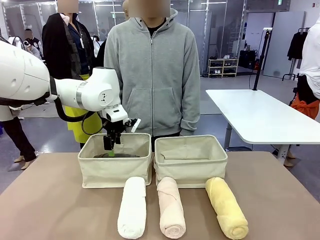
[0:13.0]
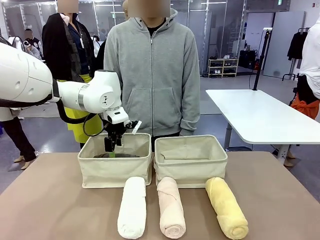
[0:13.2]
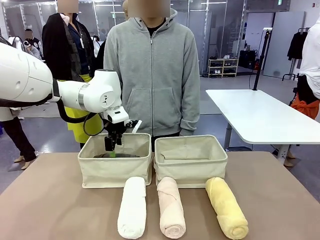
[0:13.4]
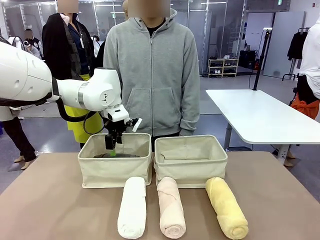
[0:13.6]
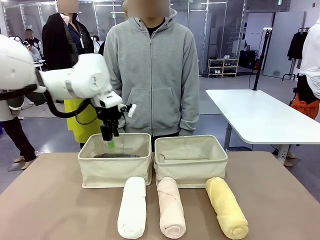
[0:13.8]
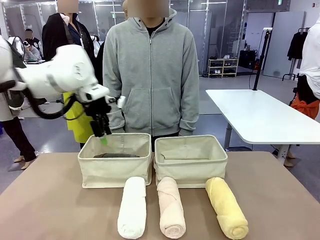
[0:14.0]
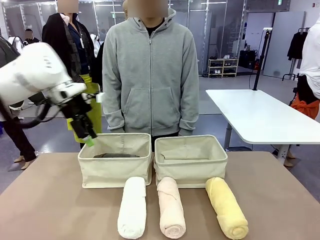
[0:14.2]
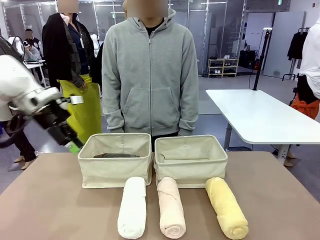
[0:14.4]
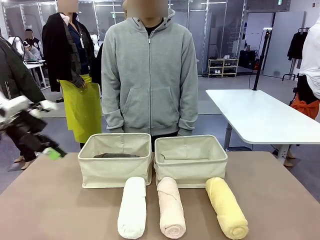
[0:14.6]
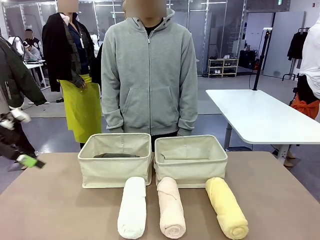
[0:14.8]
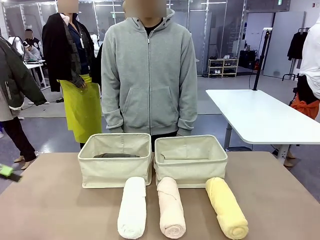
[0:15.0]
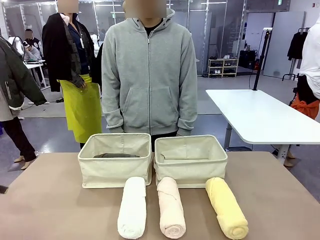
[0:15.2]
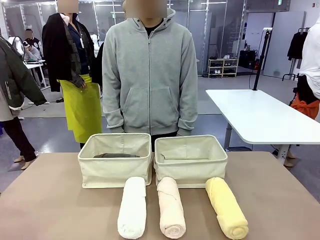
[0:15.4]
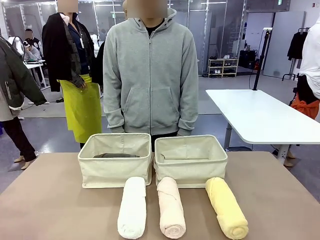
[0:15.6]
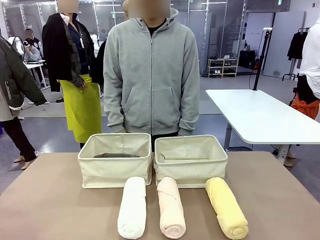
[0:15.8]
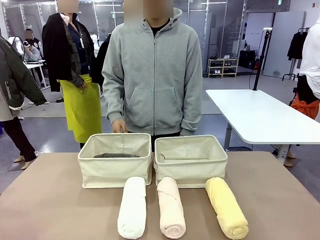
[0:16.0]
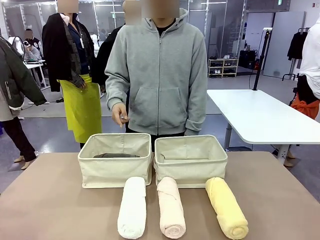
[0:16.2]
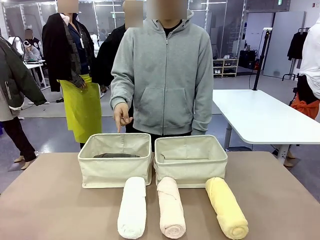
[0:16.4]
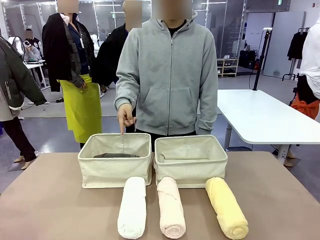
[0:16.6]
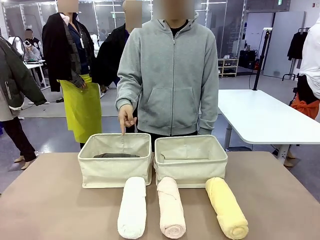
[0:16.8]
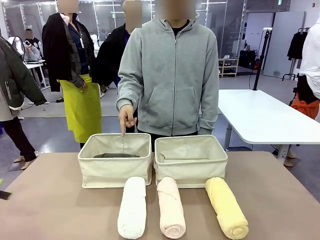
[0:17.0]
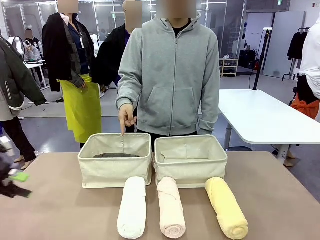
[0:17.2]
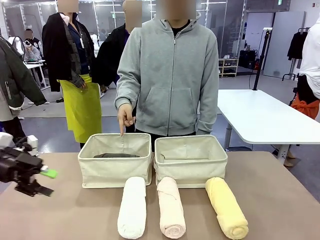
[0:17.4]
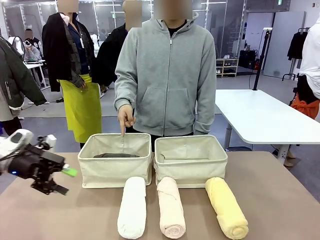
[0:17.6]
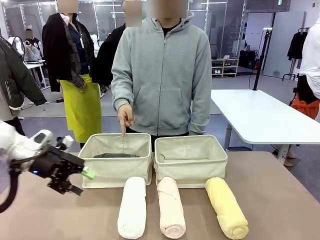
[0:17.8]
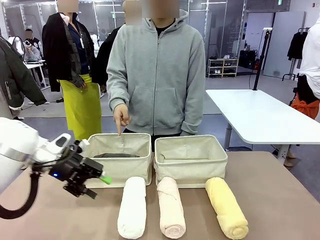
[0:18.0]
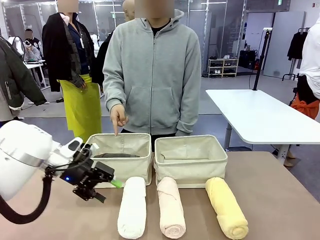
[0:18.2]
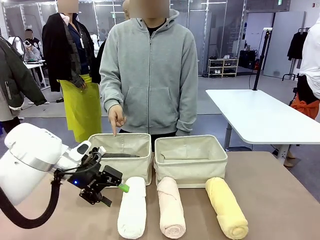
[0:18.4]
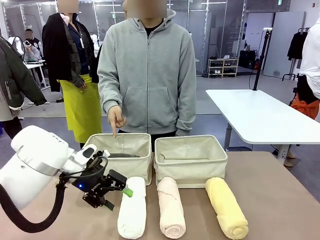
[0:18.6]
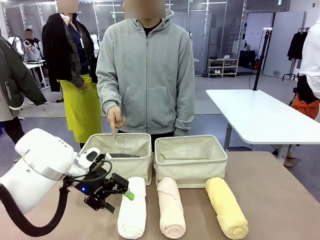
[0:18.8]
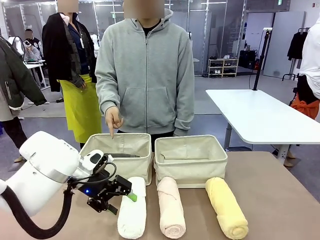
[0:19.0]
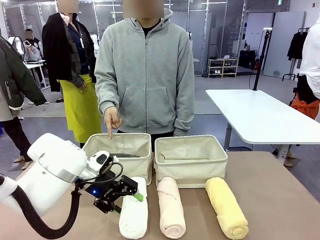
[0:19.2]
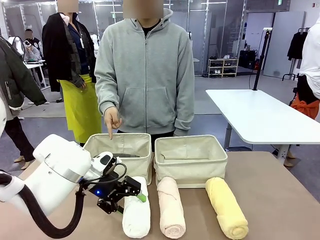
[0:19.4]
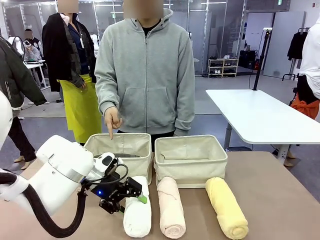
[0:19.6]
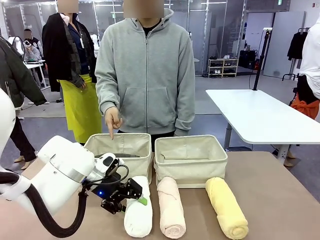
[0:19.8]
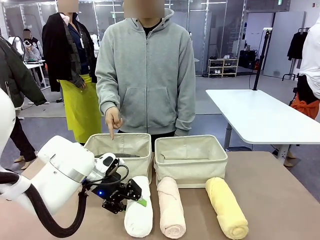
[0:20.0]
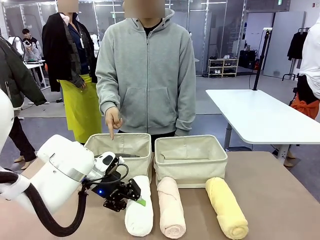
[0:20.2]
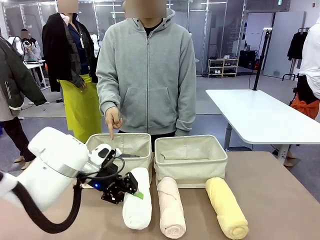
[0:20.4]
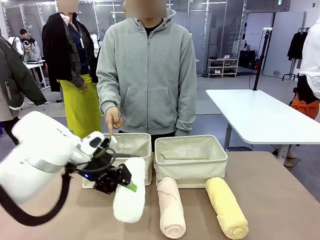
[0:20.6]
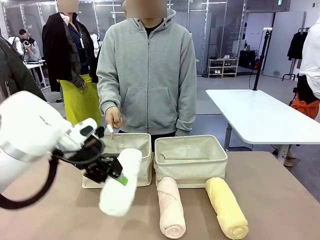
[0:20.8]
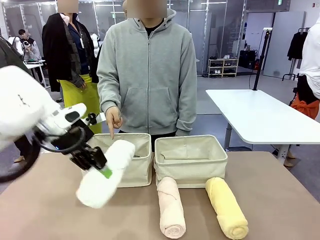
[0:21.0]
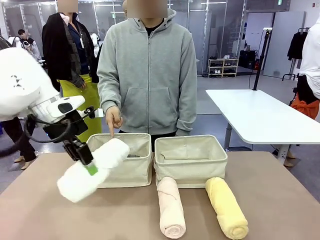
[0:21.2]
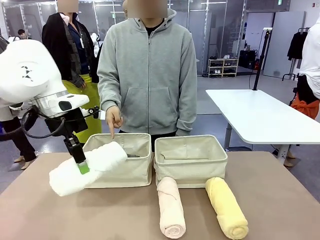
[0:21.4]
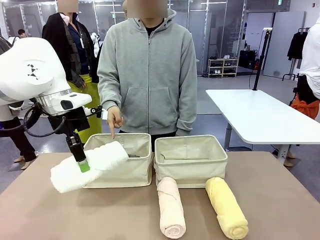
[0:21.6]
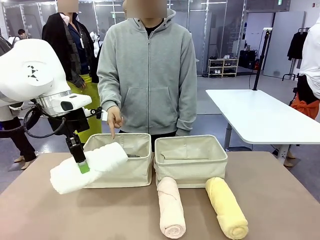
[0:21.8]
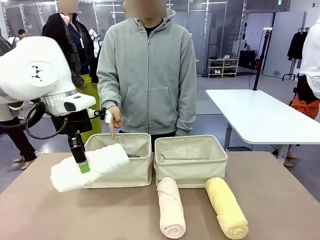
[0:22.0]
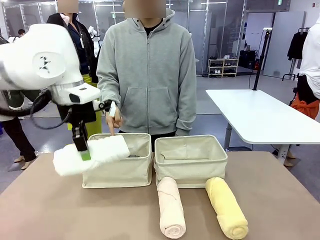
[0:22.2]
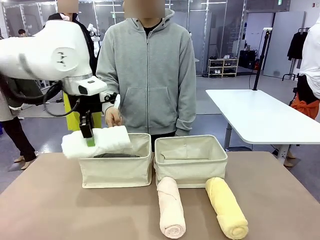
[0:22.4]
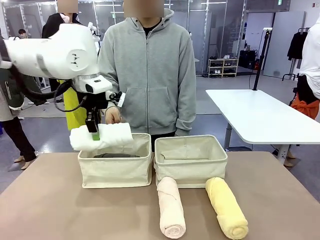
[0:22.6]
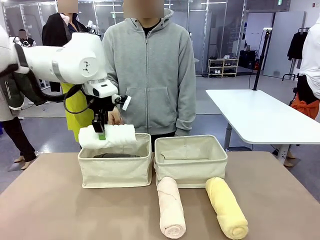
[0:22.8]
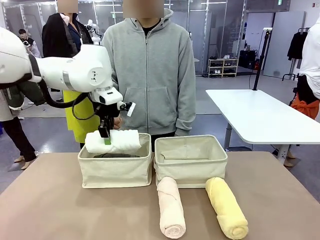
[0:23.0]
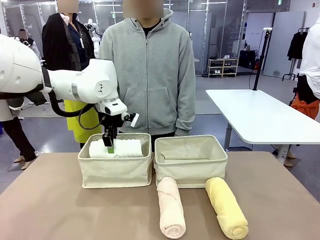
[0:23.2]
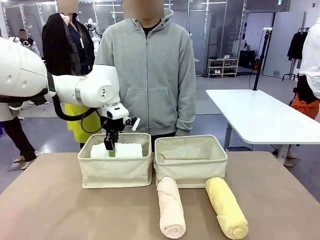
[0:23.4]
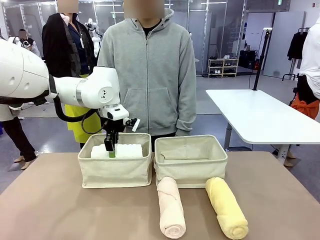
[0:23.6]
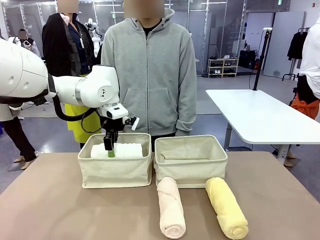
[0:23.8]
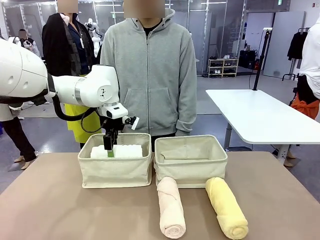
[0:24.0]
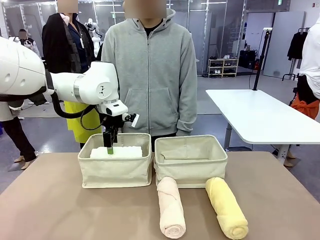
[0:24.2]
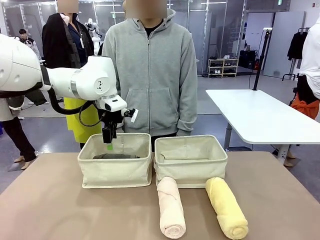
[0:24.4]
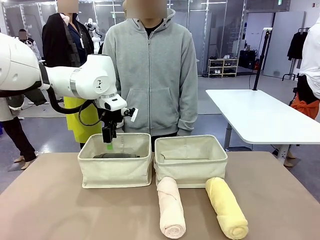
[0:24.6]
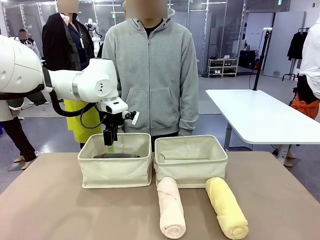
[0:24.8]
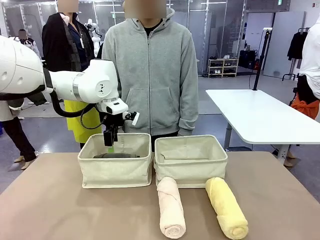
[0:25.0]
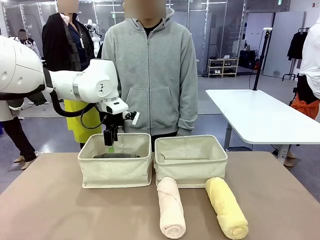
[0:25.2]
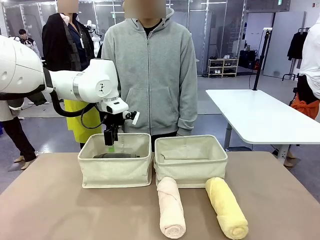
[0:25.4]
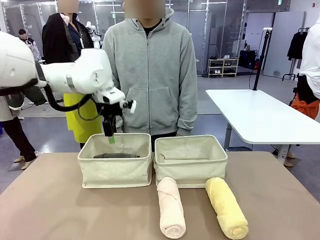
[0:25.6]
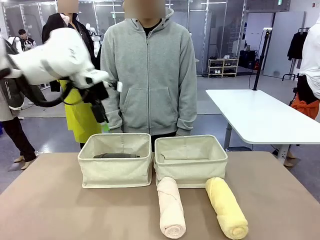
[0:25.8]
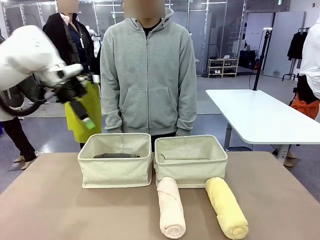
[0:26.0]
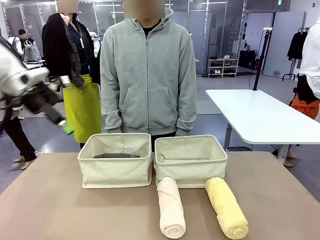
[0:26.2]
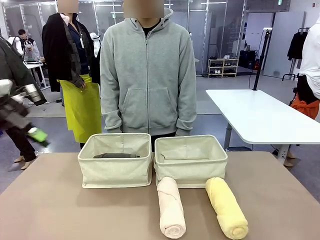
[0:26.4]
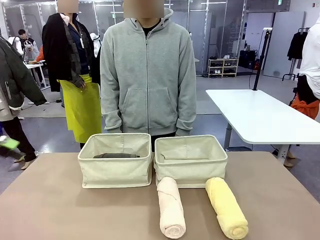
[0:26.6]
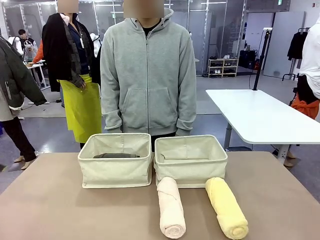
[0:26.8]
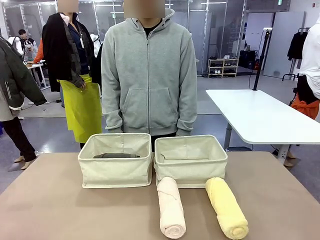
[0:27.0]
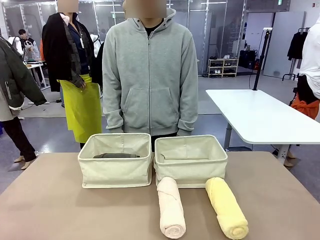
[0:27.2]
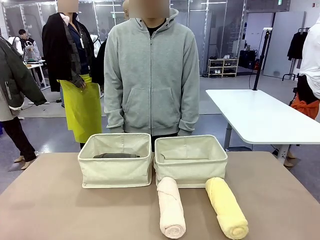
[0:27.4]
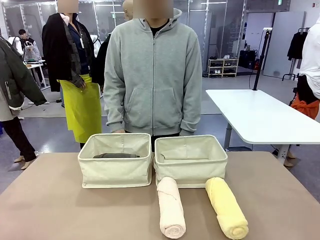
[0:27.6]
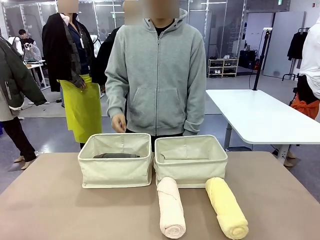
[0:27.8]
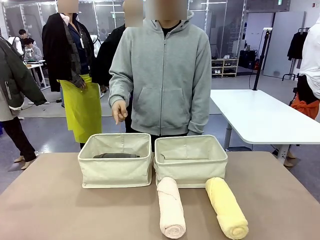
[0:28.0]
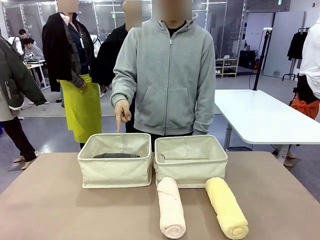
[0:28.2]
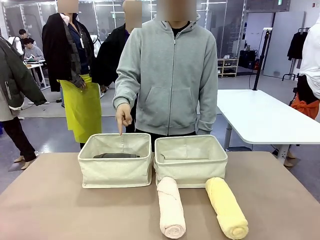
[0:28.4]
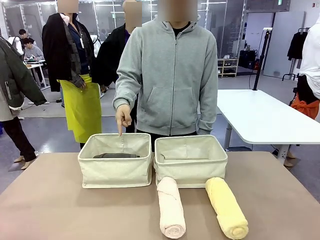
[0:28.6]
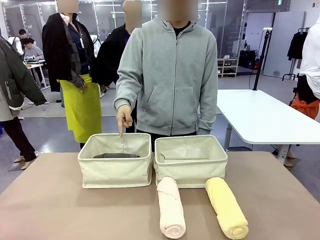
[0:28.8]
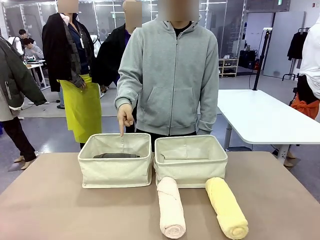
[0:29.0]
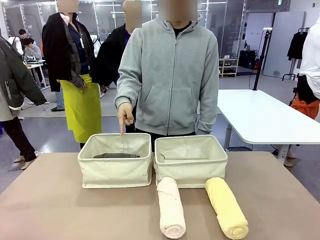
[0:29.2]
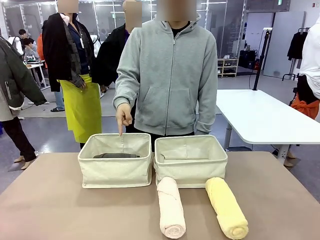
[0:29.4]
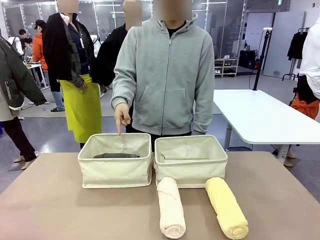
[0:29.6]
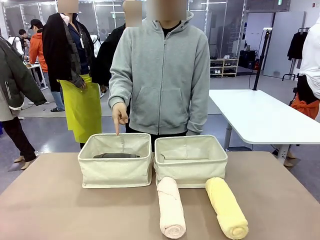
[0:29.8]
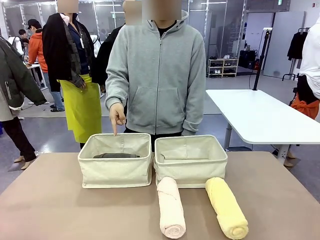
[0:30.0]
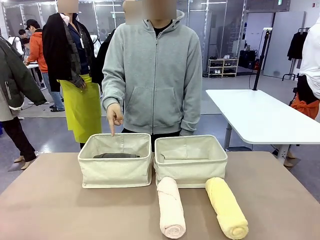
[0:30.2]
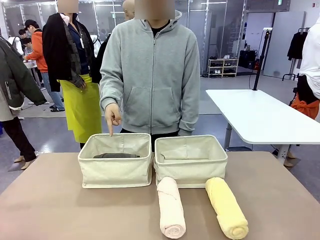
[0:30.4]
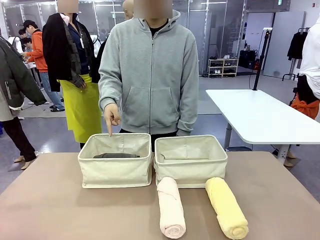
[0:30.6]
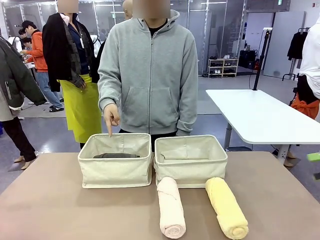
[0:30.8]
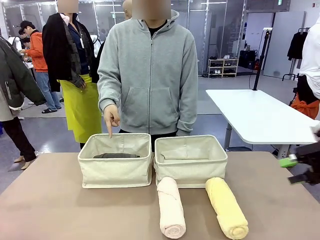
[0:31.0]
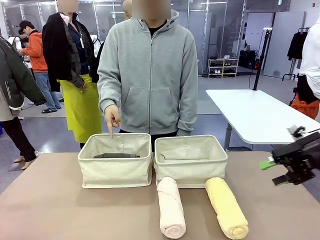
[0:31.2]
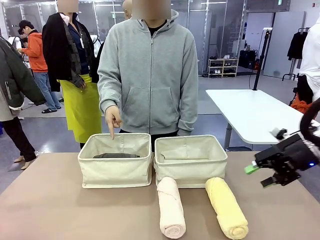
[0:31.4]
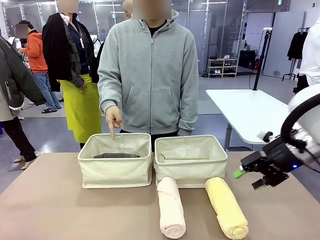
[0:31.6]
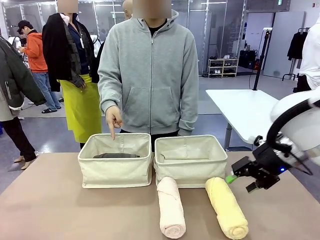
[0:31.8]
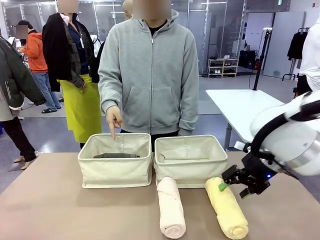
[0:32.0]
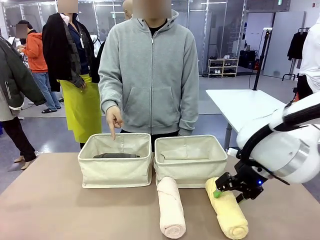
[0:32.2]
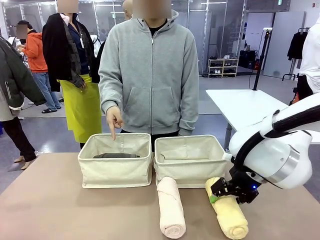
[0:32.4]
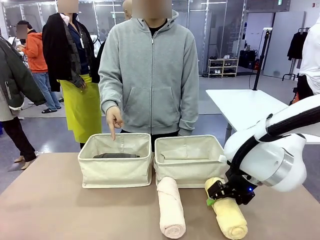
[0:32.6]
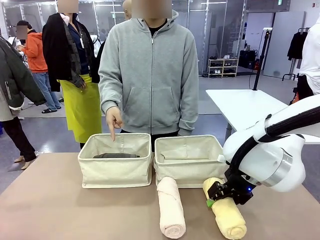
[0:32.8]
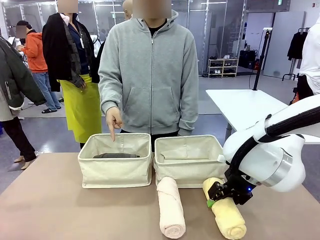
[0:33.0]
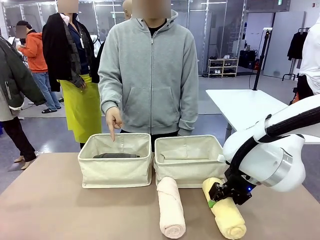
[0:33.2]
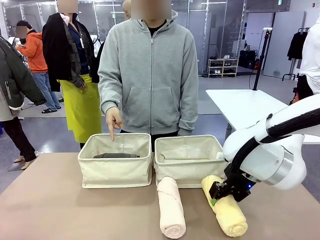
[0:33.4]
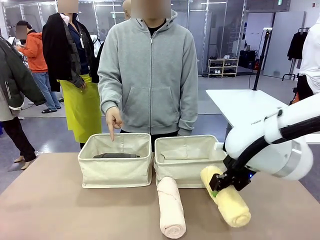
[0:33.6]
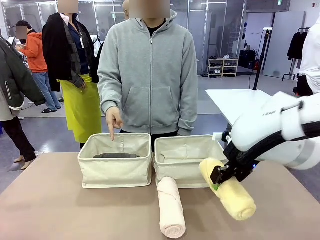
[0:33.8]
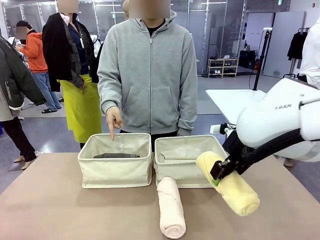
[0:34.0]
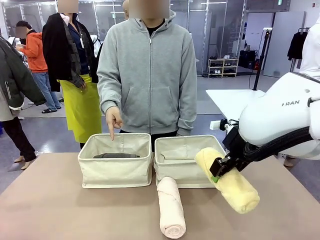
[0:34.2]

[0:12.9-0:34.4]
Task: Divide the towels into two baskets.
Robot: Pick up one hotel-folded towel from the bottom of the table and place it in the Fabric basket indicated by the person.
